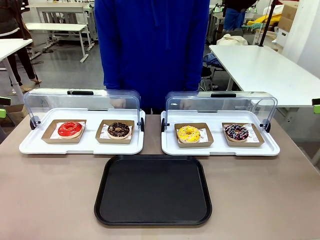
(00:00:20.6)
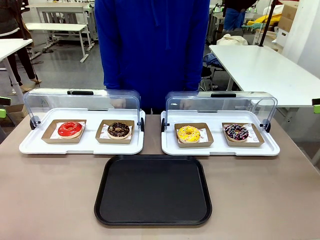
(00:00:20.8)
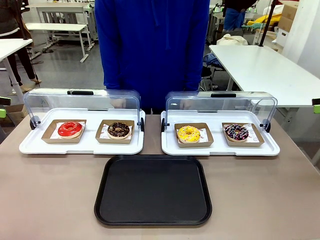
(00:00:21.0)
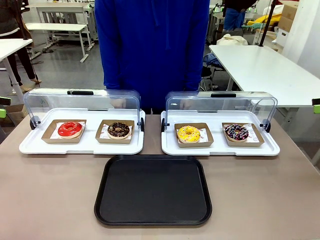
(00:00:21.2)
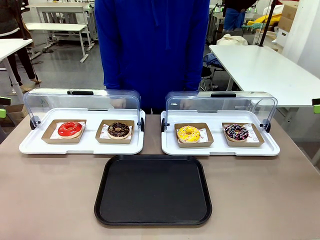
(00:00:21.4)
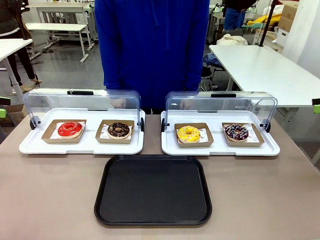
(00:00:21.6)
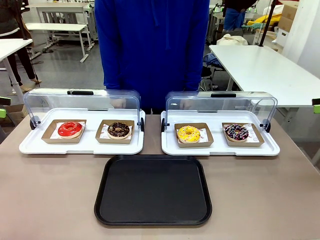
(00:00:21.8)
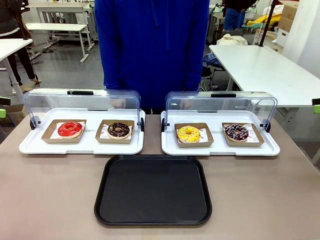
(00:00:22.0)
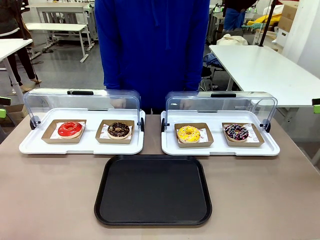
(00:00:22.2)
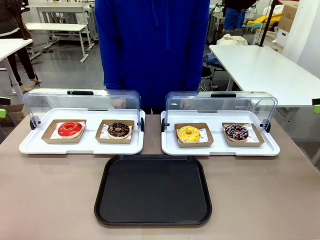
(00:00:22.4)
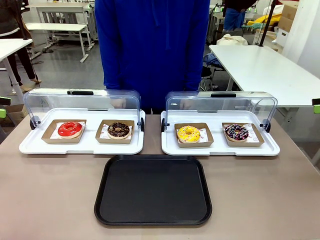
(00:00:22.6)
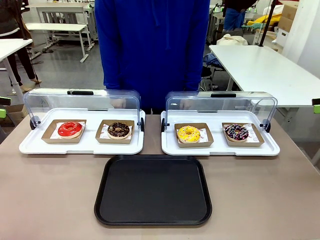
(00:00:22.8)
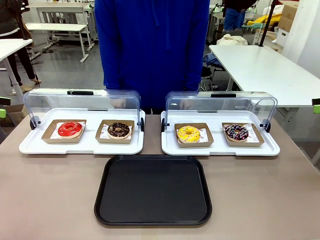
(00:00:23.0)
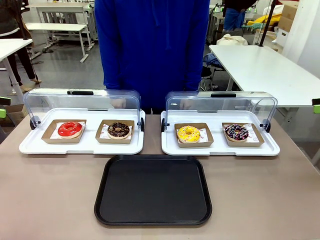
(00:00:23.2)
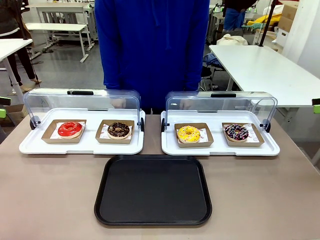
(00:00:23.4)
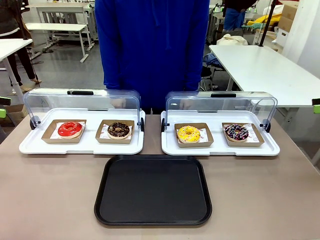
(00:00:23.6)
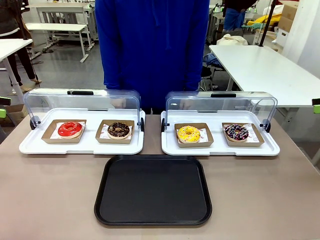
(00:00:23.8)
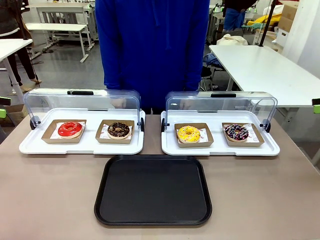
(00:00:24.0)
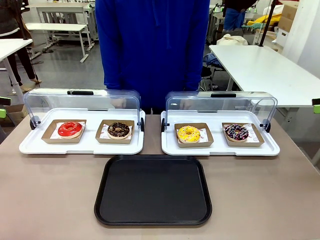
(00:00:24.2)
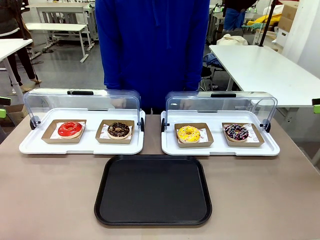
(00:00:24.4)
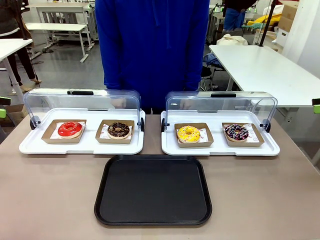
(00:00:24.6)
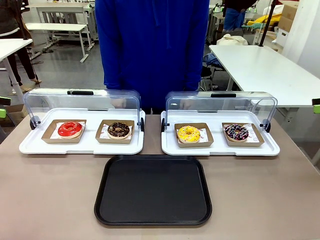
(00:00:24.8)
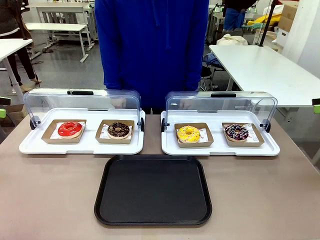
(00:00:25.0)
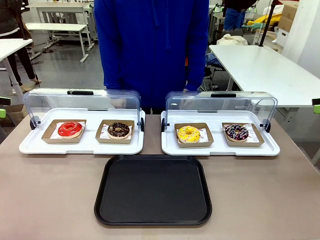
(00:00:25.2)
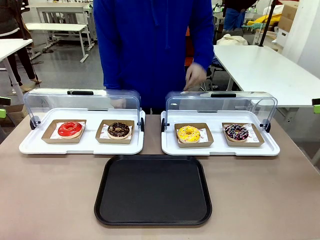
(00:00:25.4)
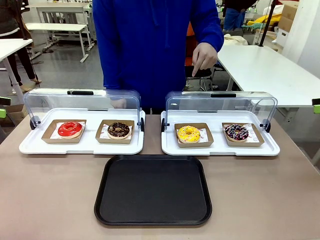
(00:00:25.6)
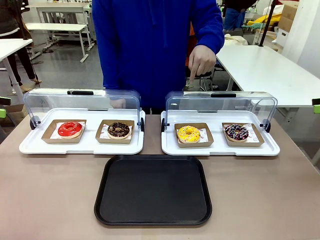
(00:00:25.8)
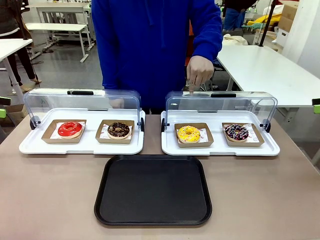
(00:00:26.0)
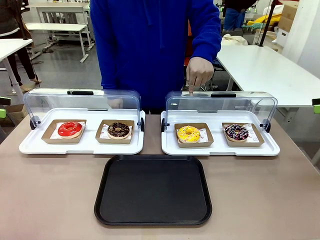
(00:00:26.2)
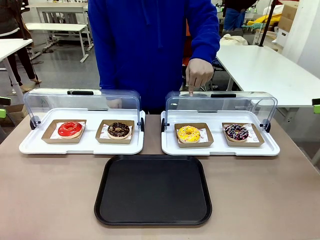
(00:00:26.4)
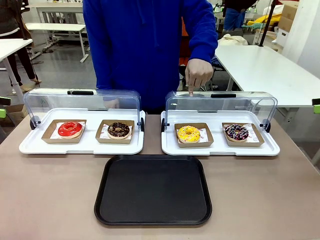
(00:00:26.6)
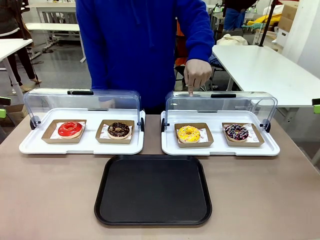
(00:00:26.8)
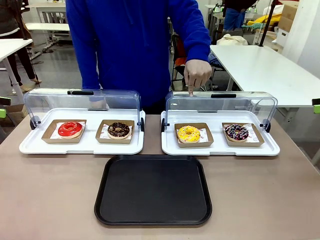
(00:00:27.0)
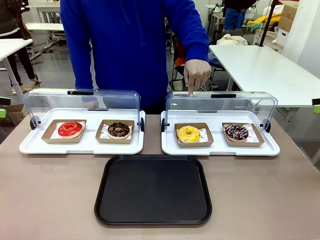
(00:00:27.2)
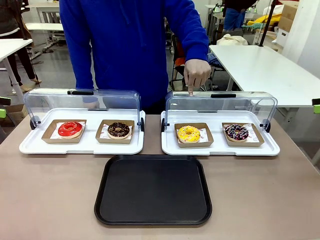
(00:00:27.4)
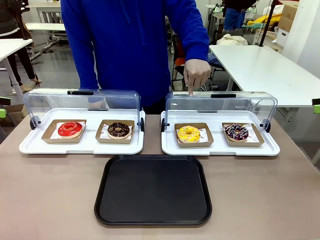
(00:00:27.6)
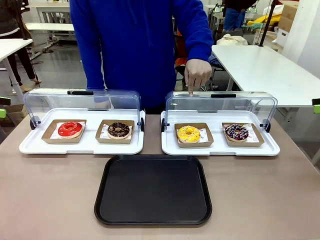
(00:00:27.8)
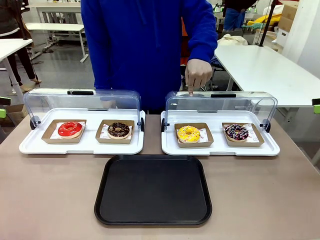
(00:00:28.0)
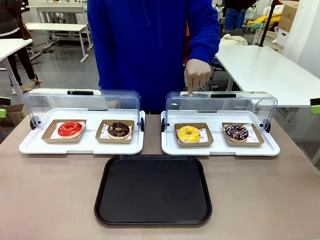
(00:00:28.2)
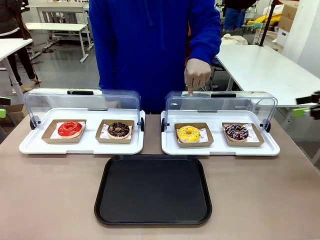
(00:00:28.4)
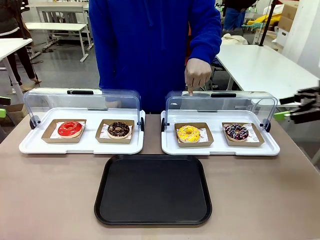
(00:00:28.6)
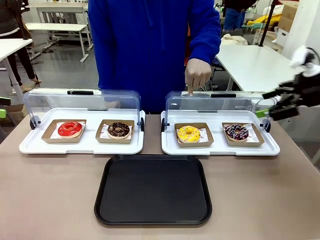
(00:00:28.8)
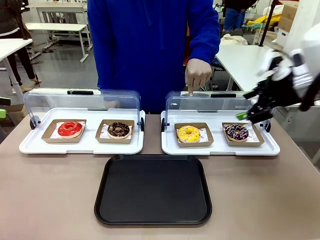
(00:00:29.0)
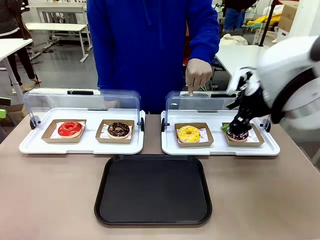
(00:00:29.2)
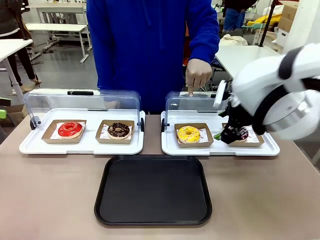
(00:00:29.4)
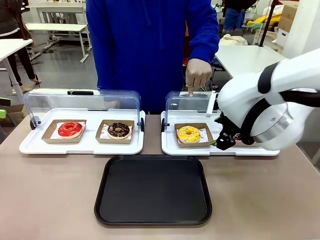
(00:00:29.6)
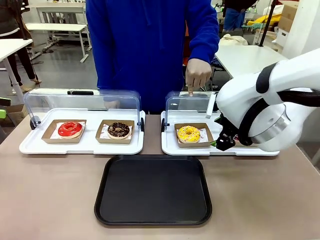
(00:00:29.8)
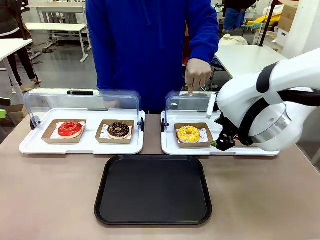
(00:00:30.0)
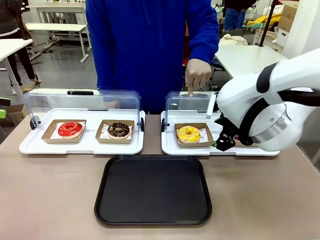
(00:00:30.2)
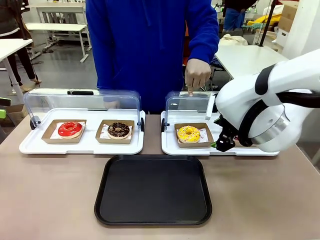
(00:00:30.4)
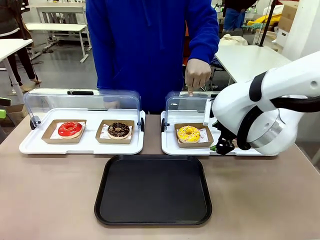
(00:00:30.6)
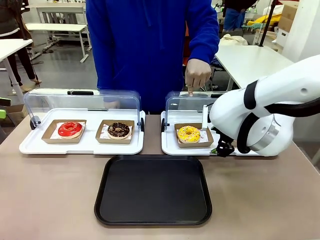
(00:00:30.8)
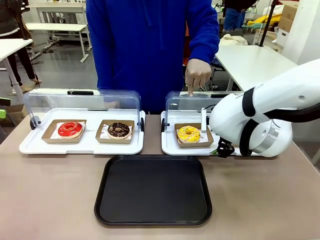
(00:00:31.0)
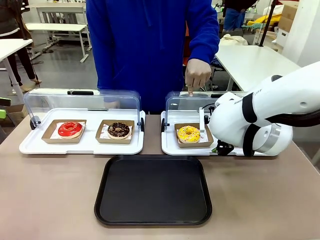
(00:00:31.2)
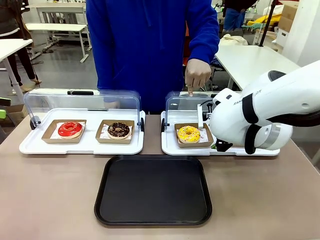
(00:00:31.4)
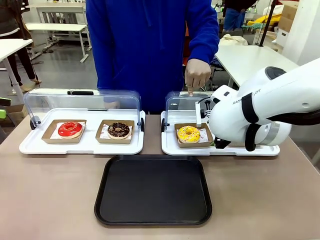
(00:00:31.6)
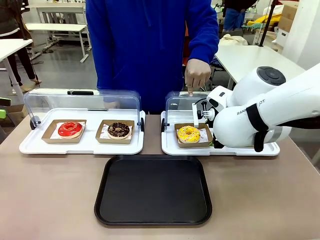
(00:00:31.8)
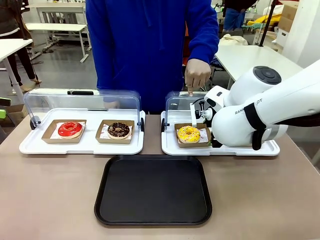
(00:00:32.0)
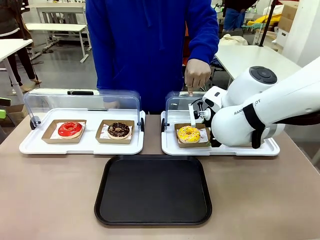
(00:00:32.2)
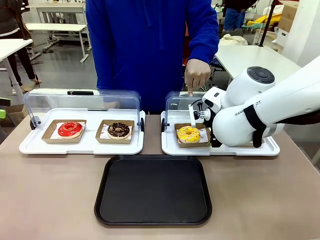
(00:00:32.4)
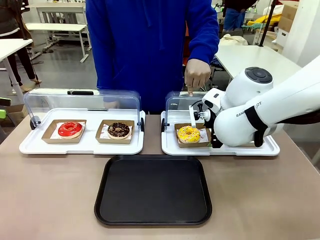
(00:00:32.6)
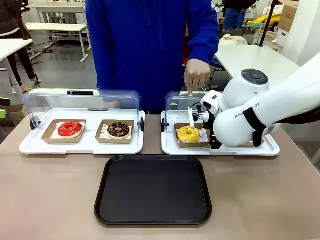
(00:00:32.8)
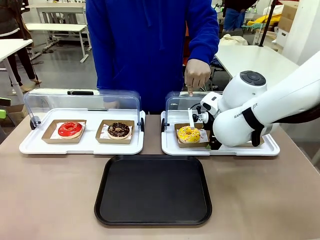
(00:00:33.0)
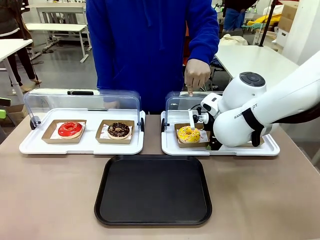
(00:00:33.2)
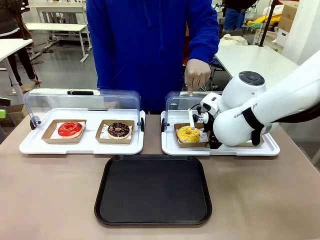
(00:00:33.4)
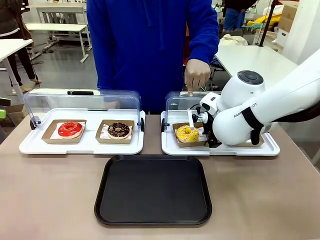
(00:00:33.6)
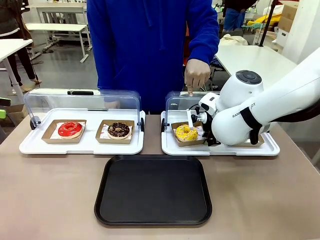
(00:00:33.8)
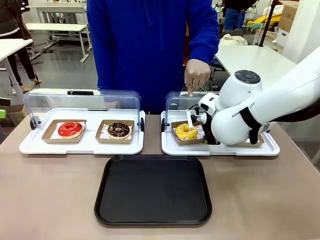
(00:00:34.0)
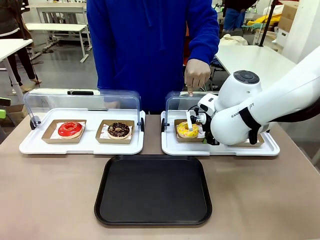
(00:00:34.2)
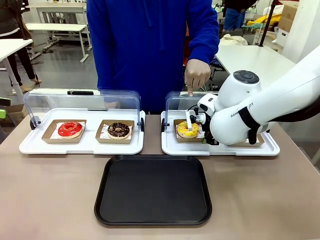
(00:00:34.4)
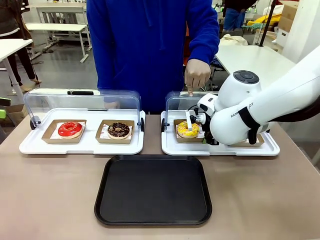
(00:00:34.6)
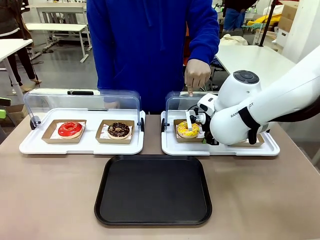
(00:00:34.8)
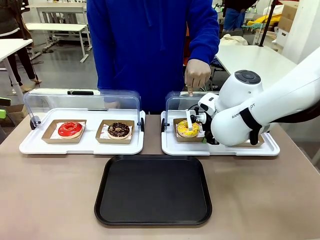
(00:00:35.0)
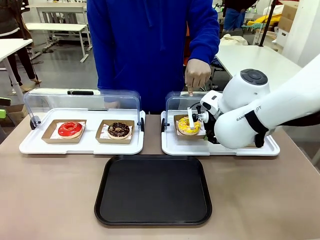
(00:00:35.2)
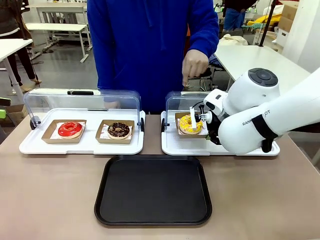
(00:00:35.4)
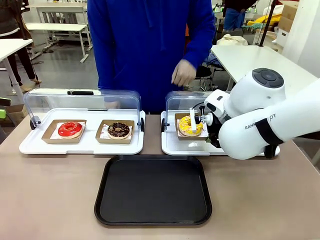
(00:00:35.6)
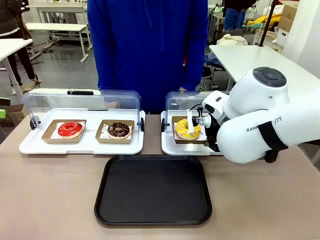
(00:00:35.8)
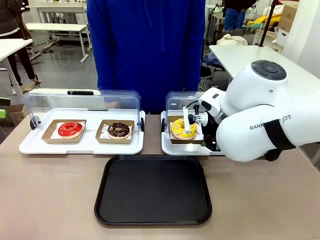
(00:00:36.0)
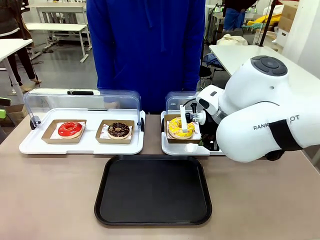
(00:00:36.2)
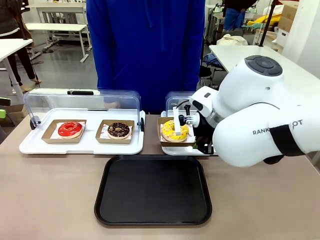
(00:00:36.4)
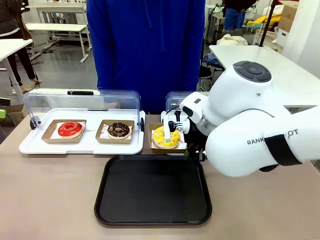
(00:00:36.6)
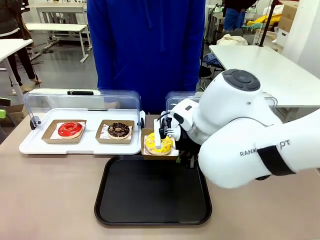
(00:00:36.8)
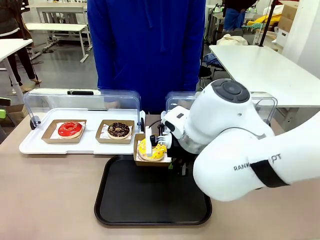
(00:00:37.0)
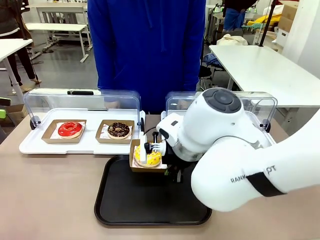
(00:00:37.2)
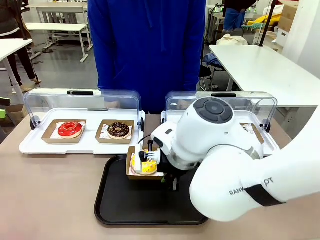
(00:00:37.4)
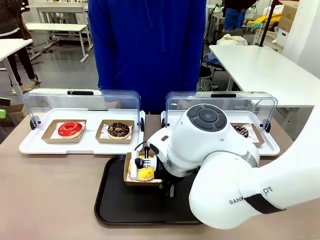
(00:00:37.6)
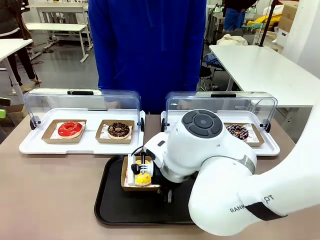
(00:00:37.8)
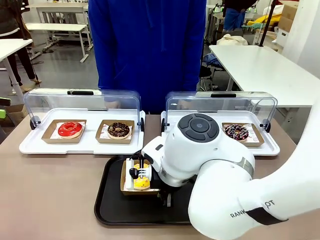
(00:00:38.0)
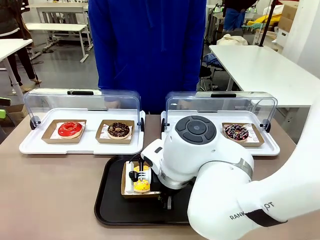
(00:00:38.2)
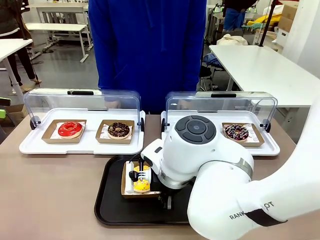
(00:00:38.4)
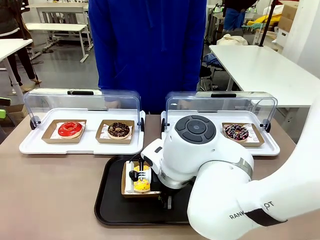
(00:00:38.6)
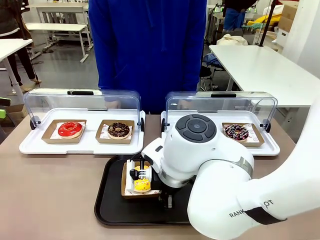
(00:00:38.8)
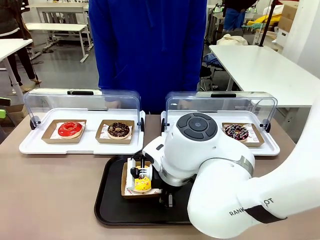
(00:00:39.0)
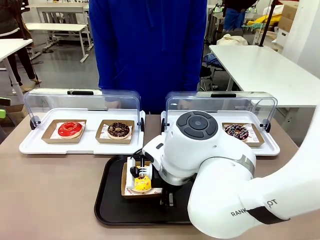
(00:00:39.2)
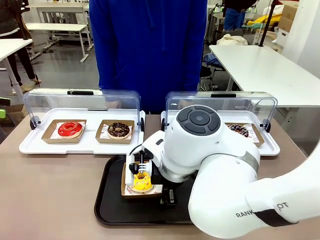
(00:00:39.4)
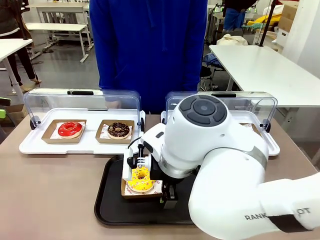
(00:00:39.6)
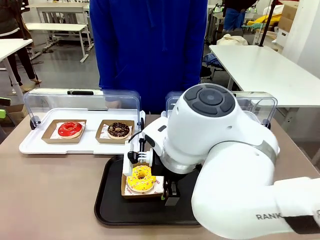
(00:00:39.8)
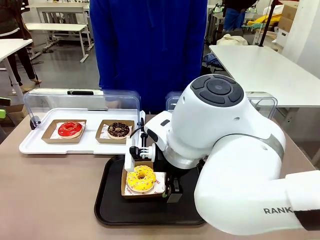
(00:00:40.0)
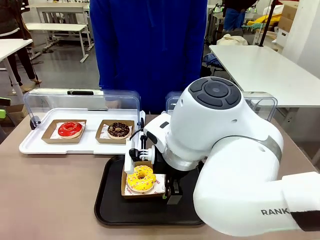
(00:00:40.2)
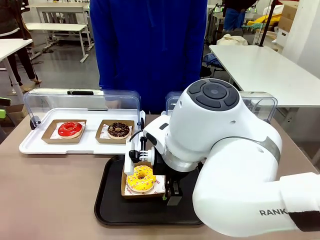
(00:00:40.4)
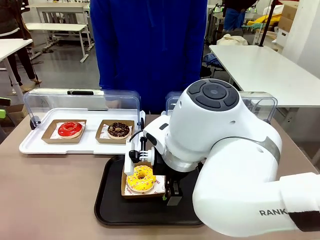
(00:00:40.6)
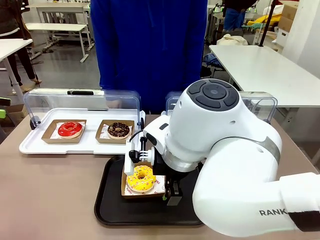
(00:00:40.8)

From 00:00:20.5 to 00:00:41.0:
Task: Move the third donut from the left to the tray.
Robot: Pick up the Paper togo box containing the Donut indicated by the person and place it on the Handle tray.
